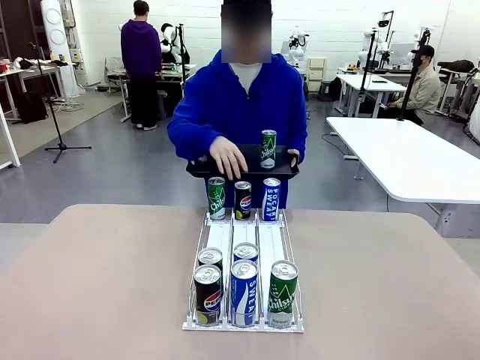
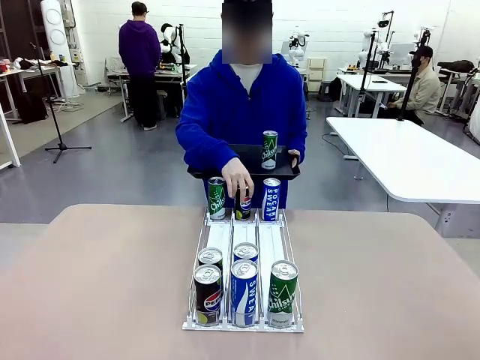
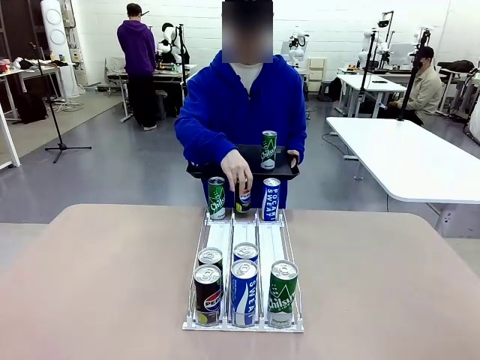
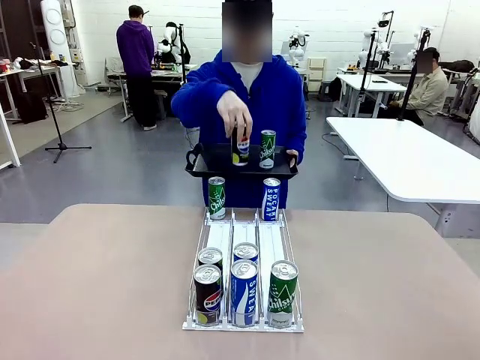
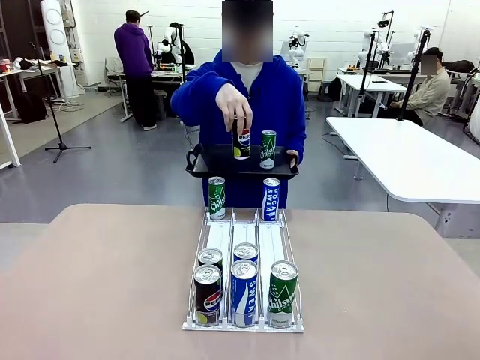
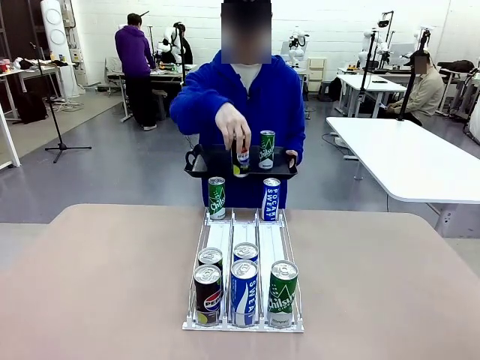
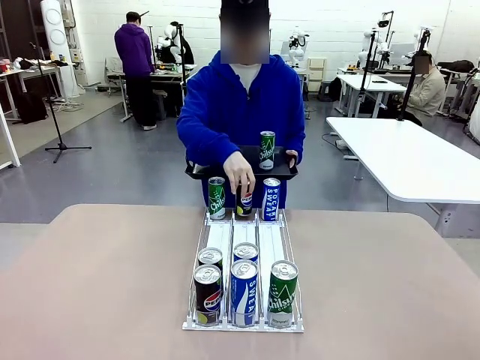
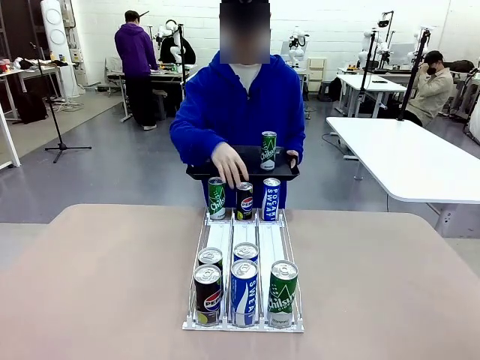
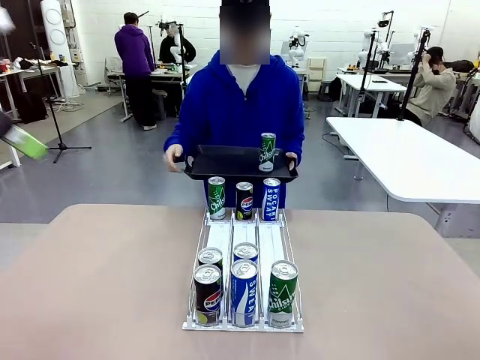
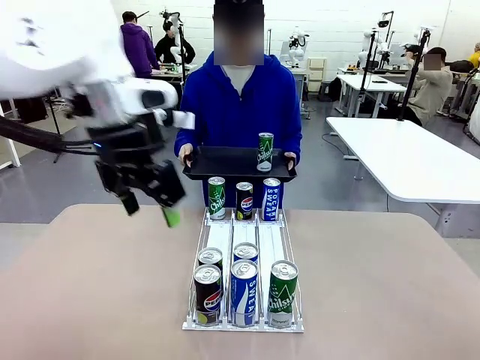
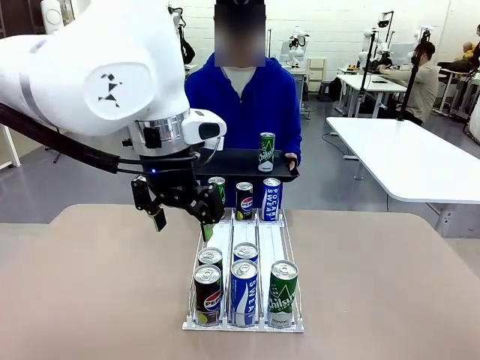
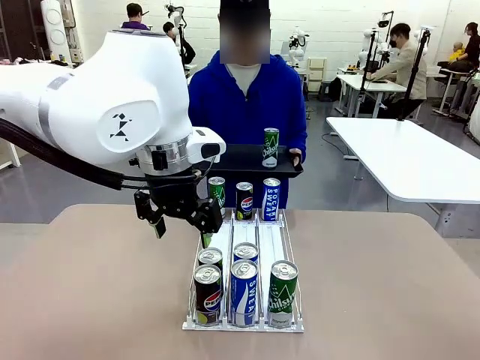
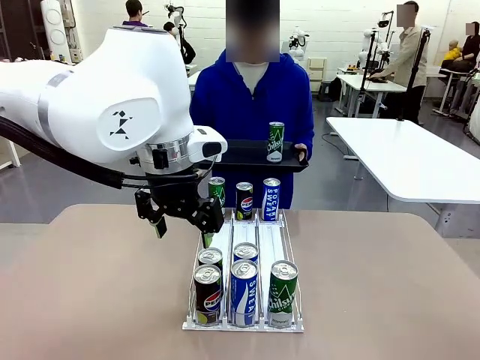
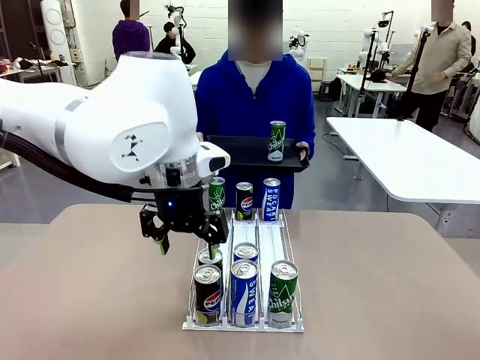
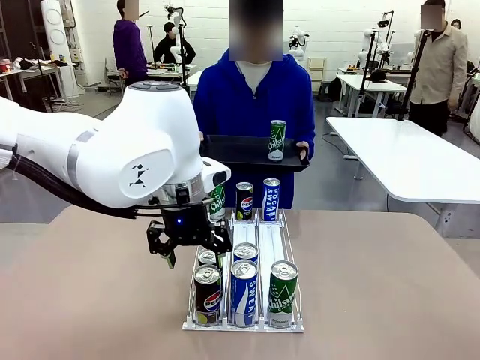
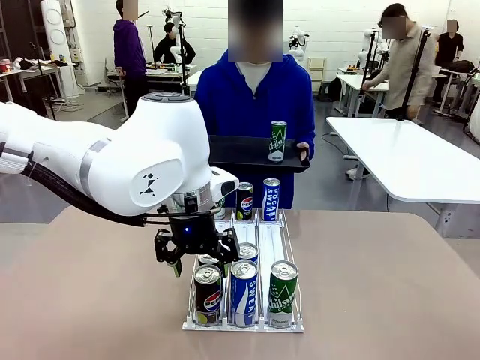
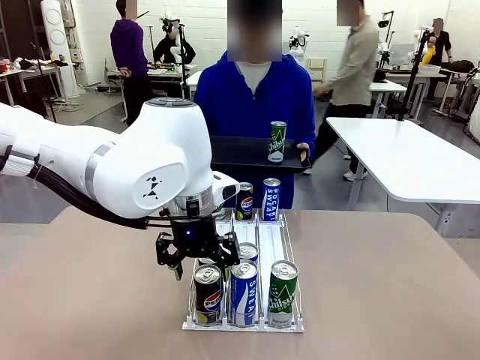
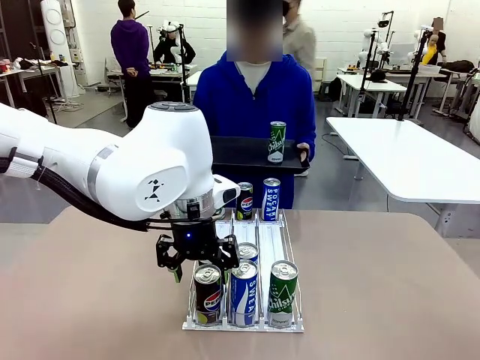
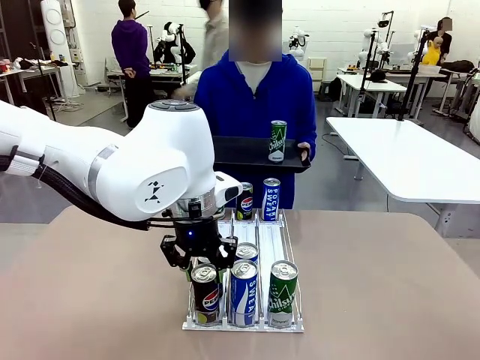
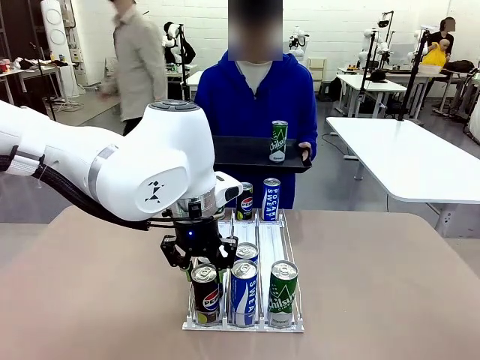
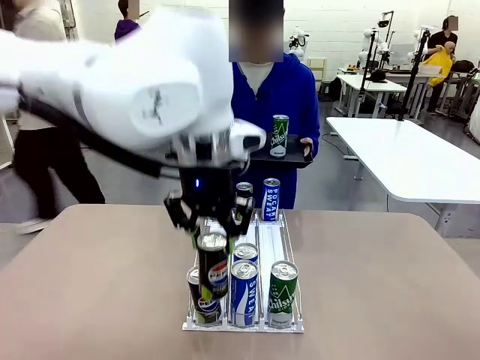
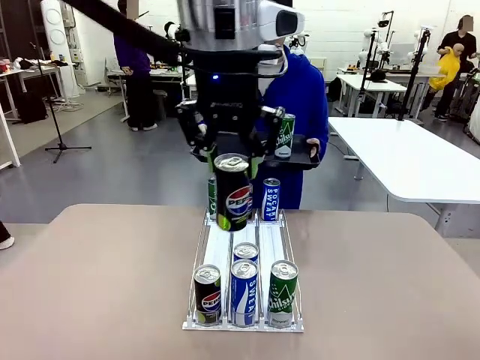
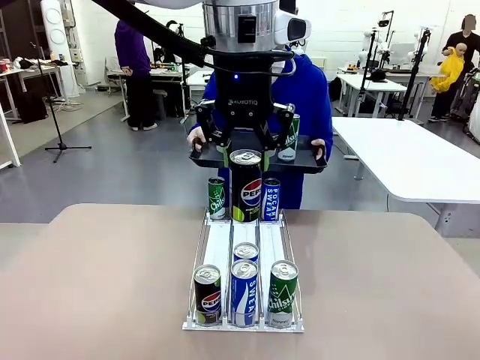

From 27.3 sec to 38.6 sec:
Task: Retrieve and hand over the desired beverage to the person.
Robot: Pick up another can of the same type that the person held from the Automatic Can Dispenser.
Person: Push the tray toward the robot again.

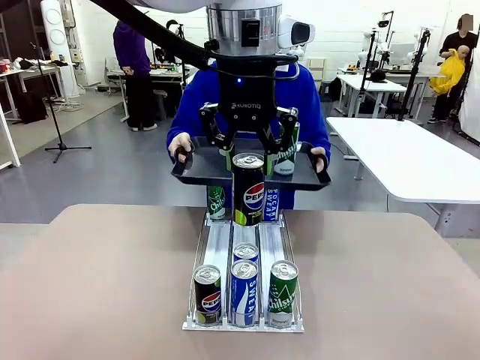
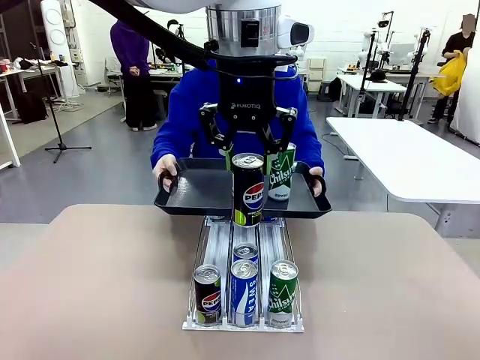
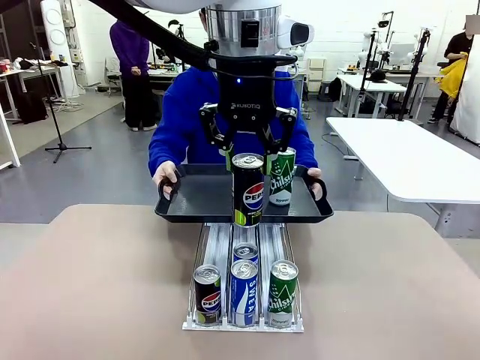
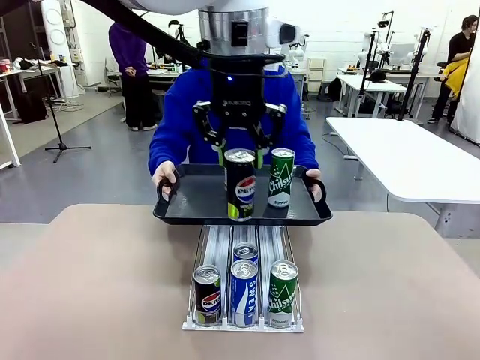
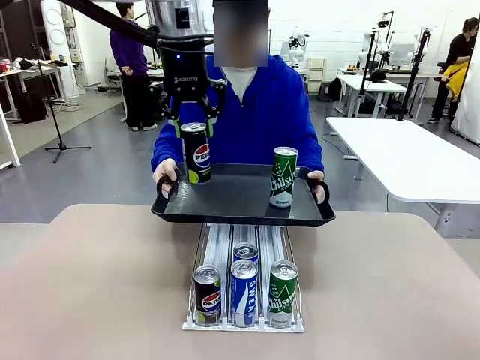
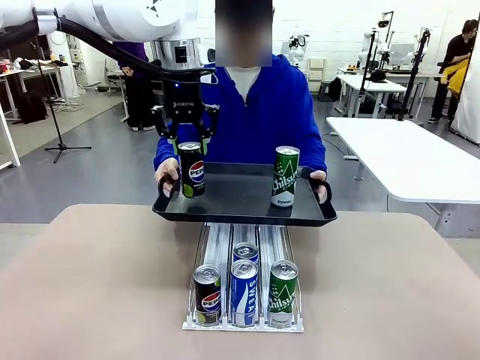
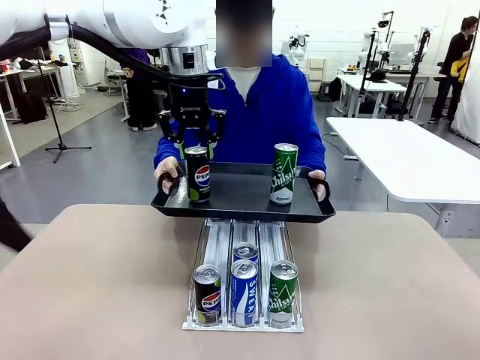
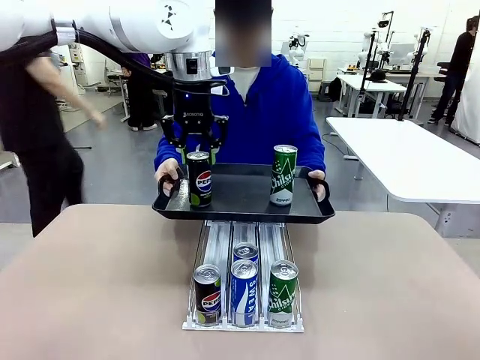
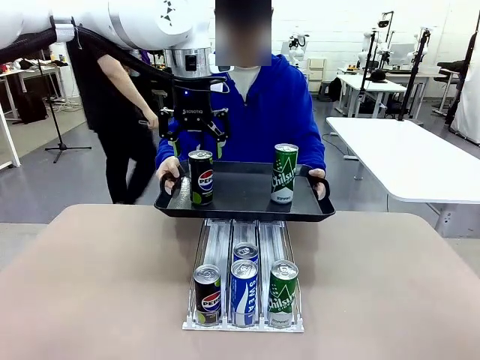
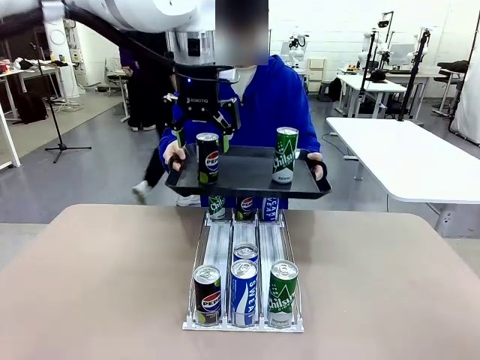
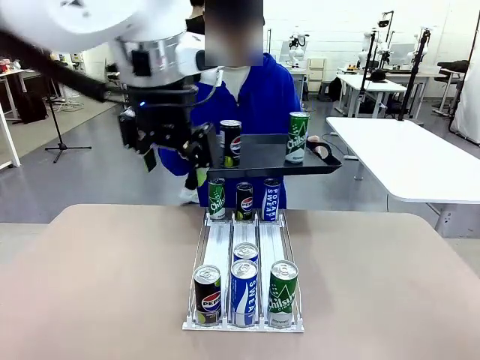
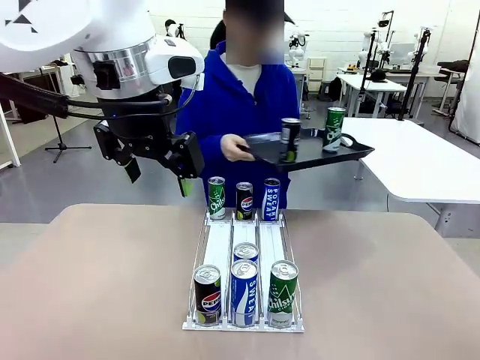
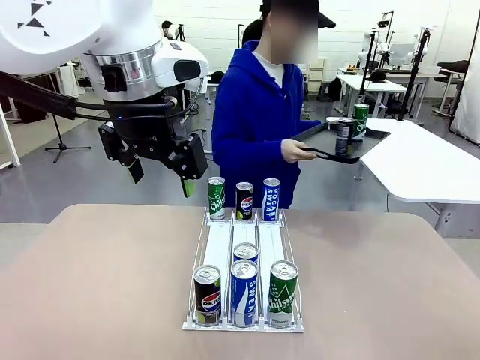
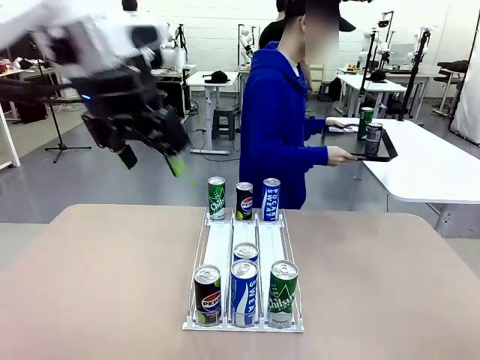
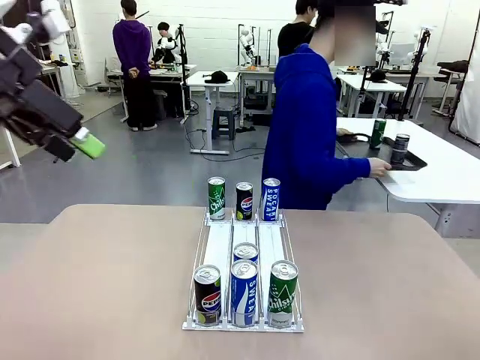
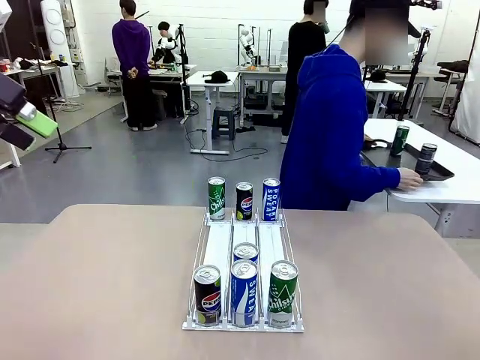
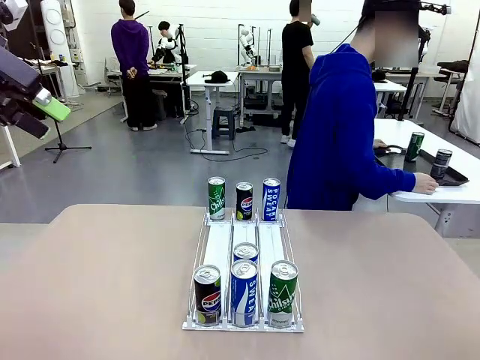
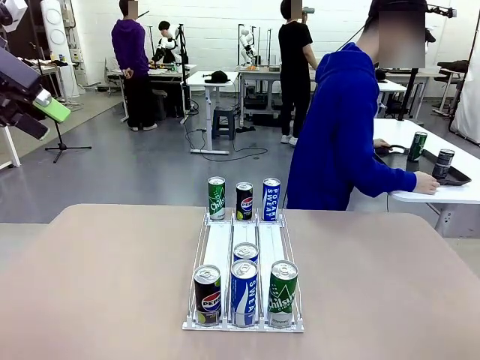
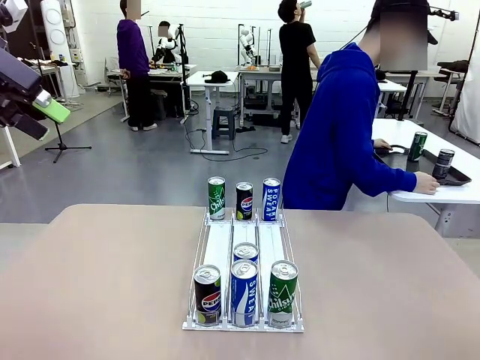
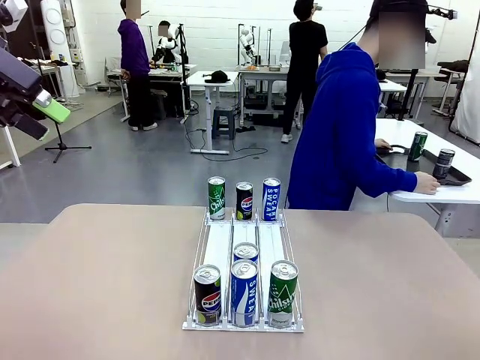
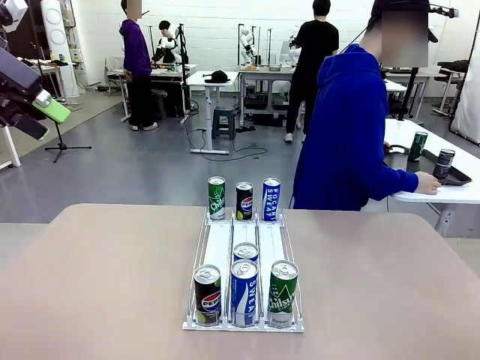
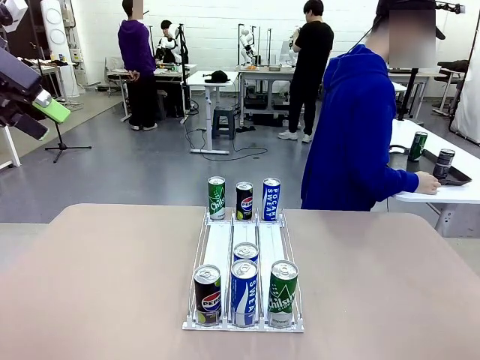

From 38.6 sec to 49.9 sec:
Robot: Place the picked can on the Handle tray extended by the person.
Person: Pull the tray back and place it at the center of the human table.
